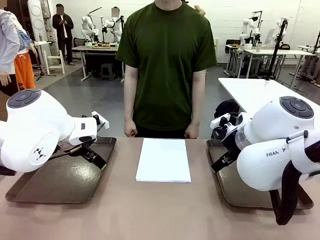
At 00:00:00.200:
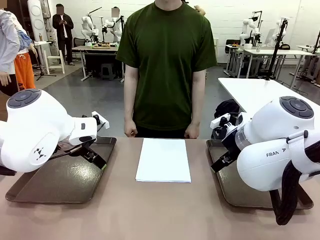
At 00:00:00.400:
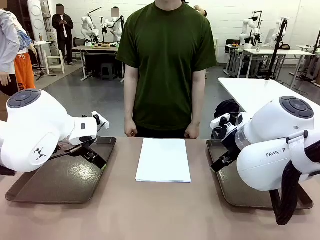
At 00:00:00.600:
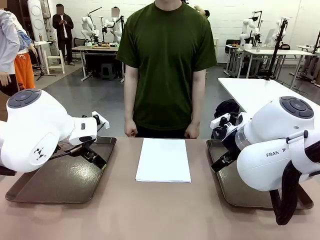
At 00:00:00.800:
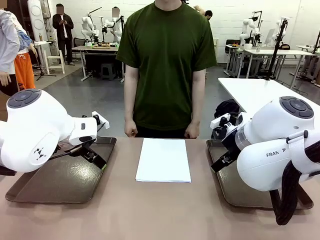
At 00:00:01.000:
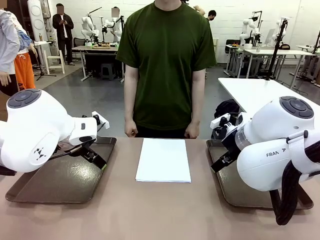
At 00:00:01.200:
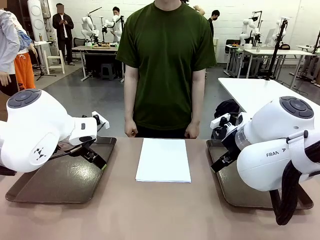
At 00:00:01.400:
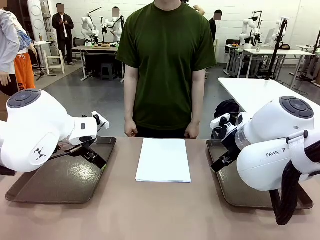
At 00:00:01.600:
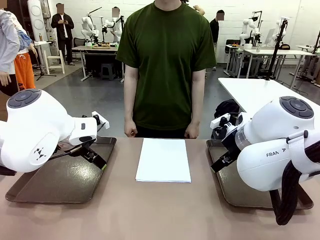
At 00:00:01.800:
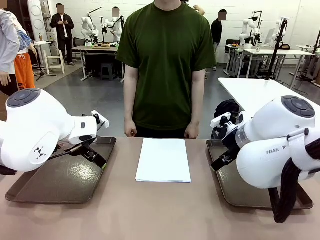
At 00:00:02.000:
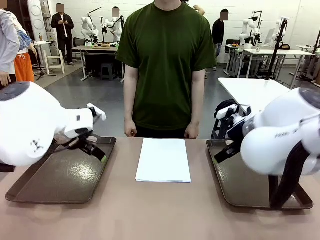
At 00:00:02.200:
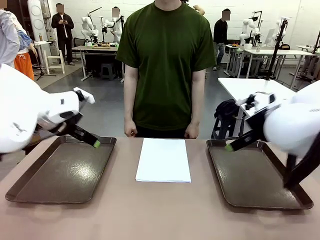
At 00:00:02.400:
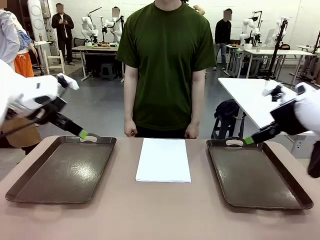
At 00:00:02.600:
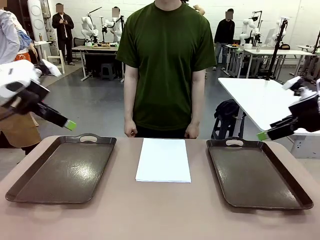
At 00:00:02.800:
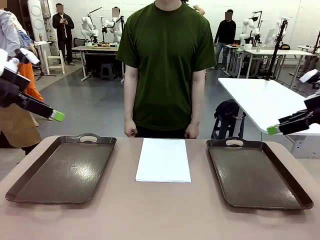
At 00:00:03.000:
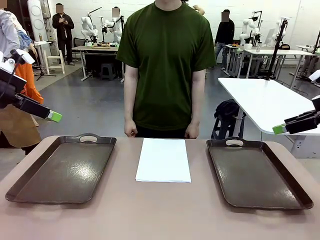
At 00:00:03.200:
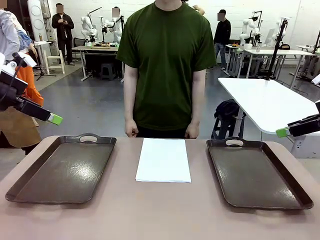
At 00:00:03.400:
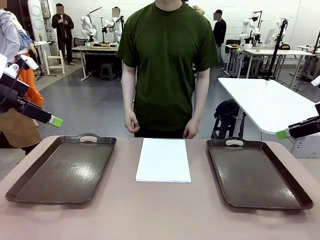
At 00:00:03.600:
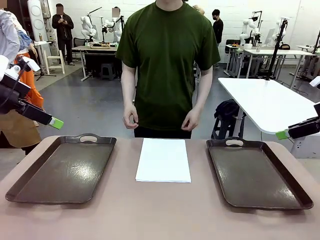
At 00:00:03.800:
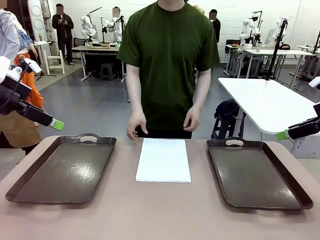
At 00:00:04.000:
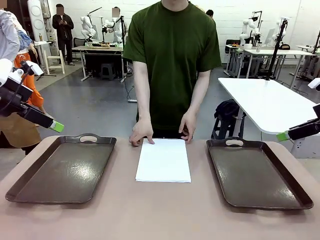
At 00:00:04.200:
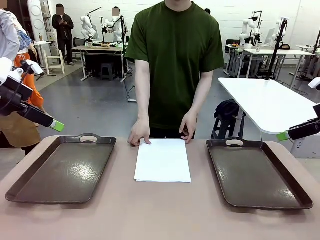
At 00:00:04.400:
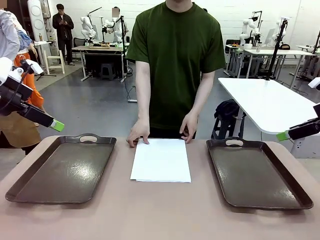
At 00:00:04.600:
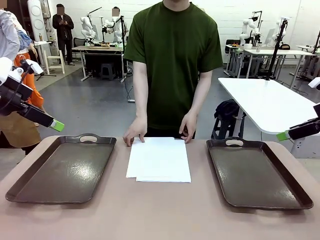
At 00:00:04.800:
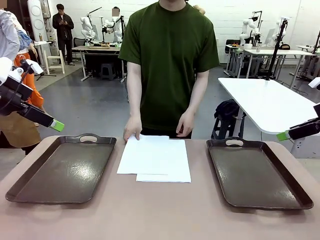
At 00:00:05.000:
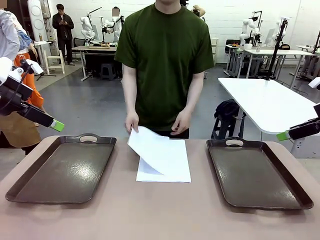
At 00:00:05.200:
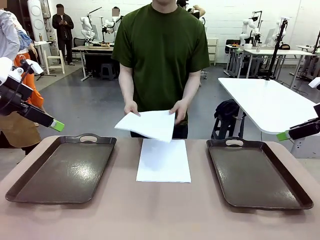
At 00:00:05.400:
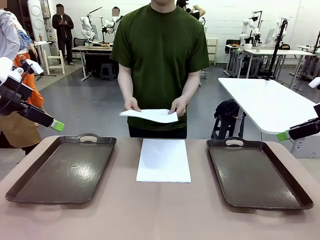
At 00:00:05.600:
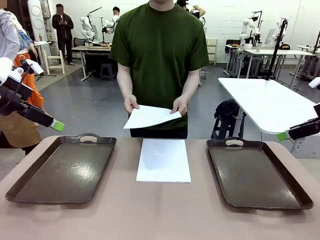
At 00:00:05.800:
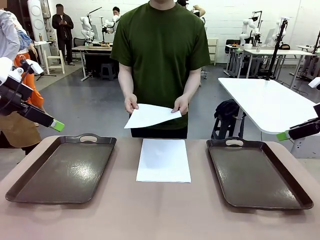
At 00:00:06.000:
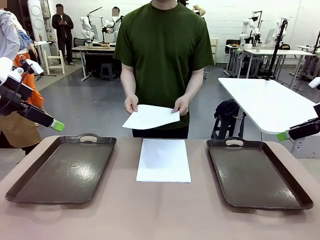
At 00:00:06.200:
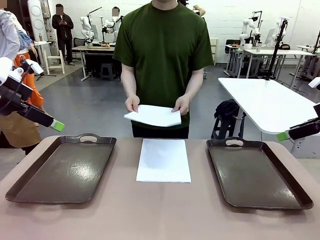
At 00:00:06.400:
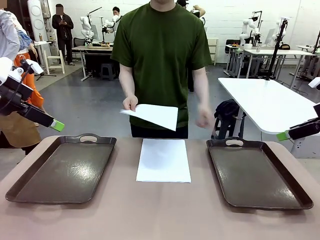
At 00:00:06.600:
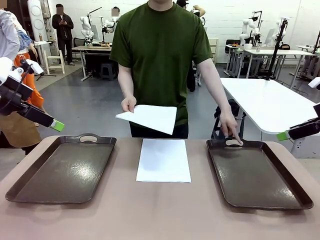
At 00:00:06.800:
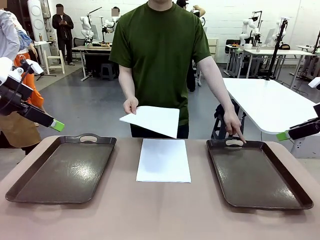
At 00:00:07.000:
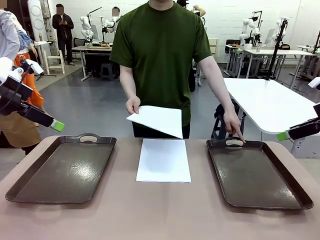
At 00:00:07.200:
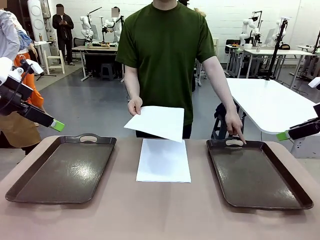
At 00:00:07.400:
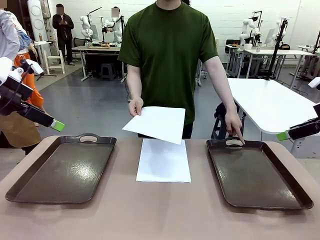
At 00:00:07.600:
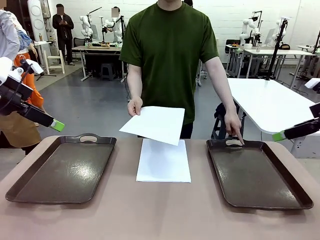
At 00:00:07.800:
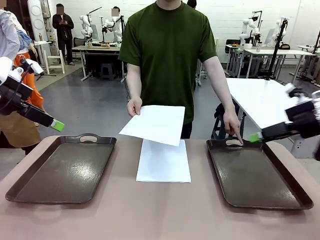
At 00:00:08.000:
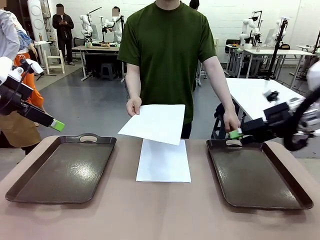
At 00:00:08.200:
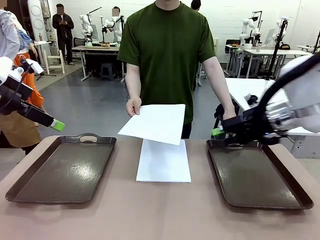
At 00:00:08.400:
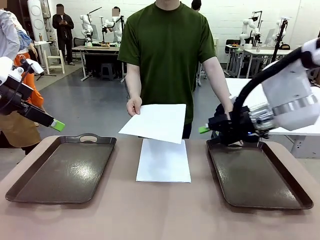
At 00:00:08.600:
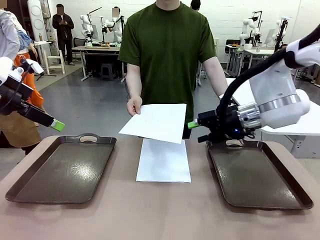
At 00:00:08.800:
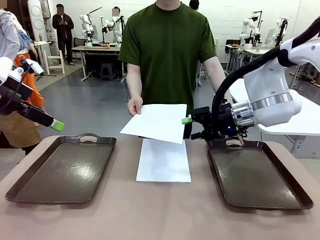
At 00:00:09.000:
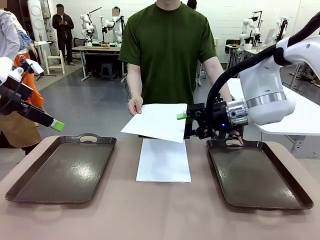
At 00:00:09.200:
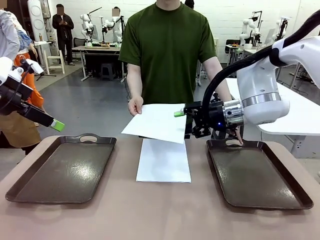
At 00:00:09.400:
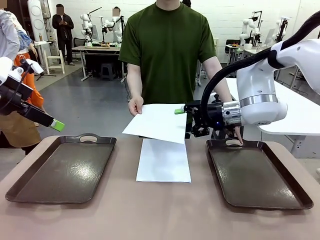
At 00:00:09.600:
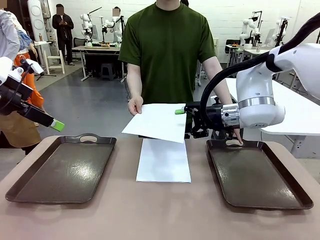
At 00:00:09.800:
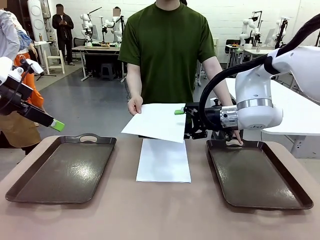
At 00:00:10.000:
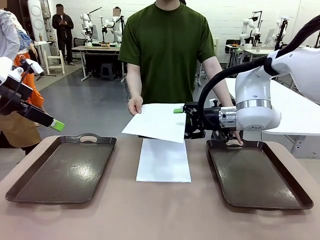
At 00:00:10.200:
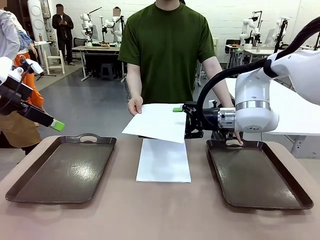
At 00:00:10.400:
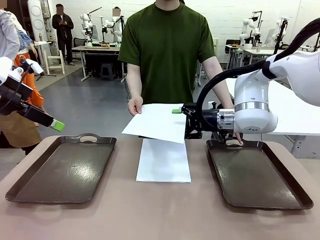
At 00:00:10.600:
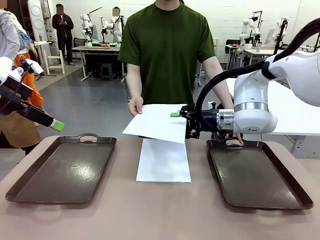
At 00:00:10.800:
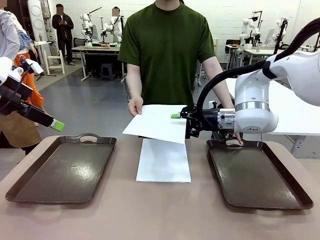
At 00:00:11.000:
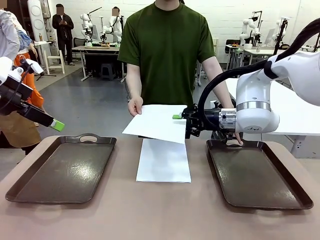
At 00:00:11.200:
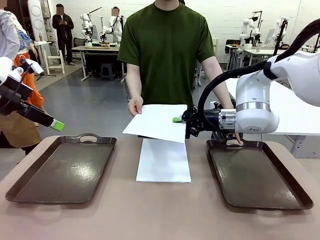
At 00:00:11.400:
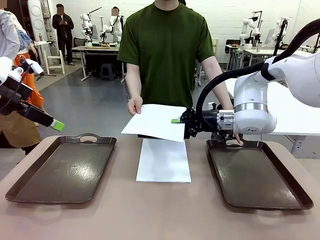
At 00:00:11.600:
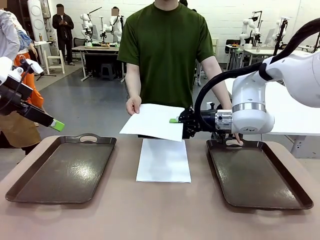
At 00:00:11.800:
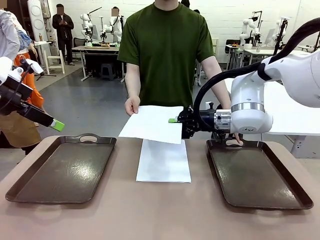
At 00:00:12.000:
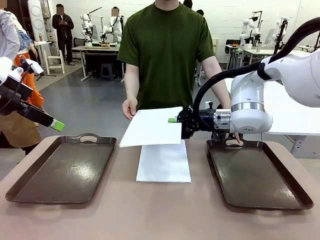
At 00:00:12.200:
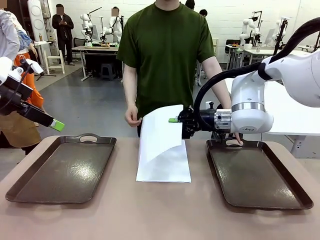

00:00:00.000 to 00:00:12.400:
Task: Sort the A4 documents.
Robot: Receive the A4 Paper.
Person: Pick up a sheet of paper from the center of the table and hand it to the robot. Point the randomly selected tray with the other hand.

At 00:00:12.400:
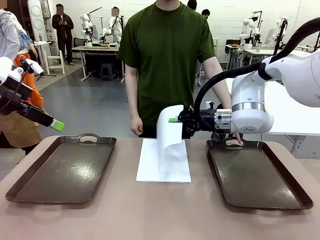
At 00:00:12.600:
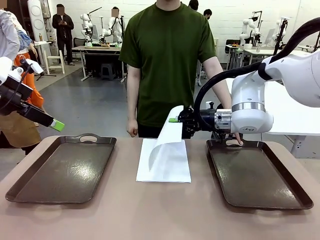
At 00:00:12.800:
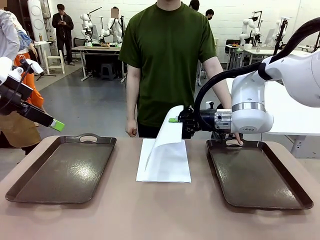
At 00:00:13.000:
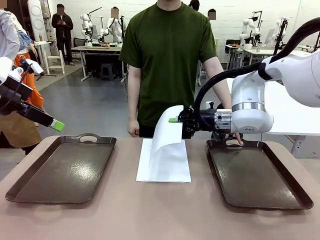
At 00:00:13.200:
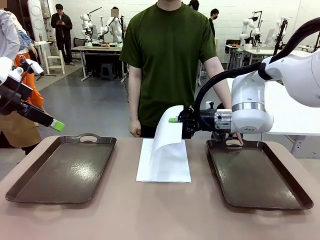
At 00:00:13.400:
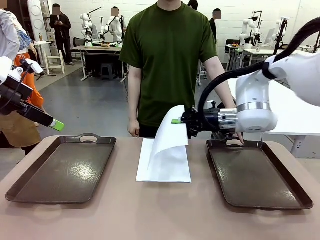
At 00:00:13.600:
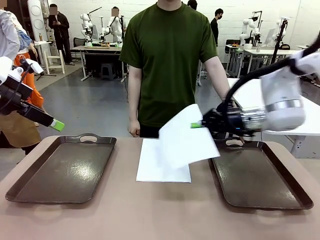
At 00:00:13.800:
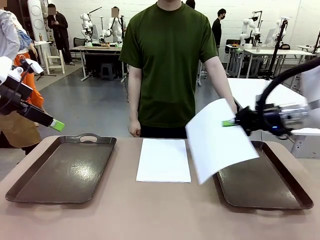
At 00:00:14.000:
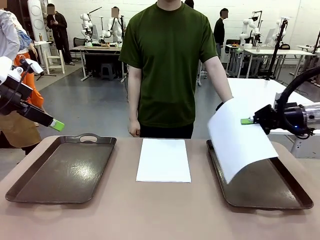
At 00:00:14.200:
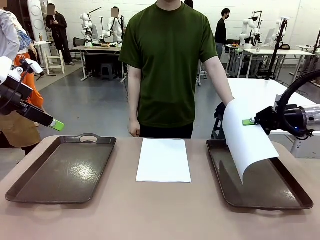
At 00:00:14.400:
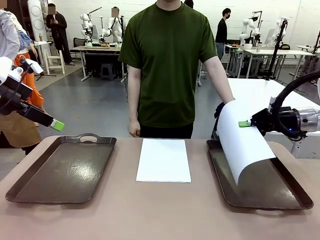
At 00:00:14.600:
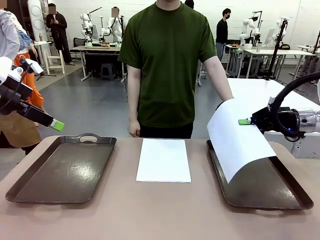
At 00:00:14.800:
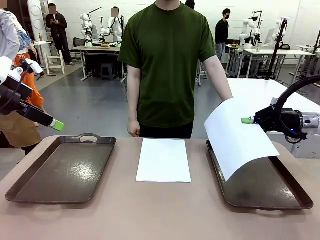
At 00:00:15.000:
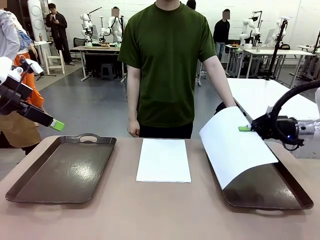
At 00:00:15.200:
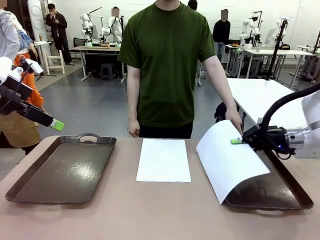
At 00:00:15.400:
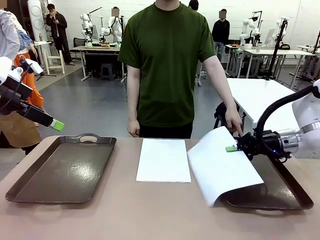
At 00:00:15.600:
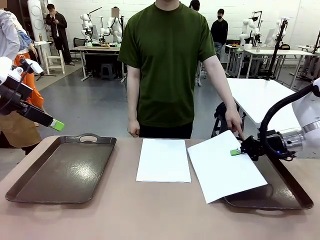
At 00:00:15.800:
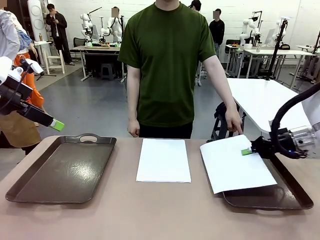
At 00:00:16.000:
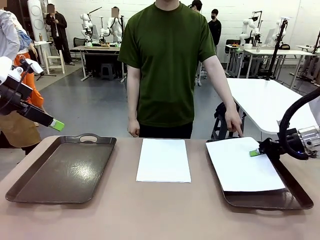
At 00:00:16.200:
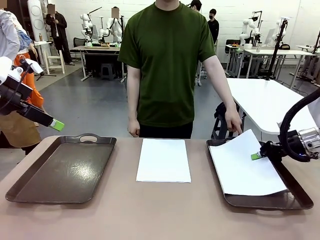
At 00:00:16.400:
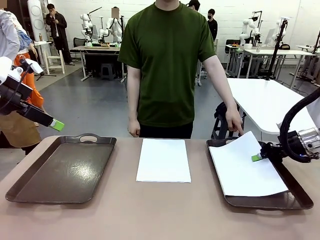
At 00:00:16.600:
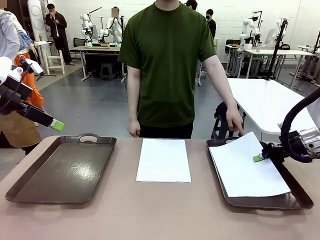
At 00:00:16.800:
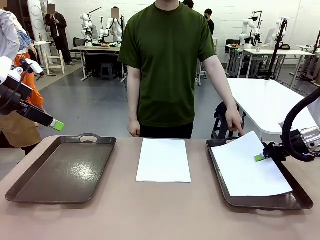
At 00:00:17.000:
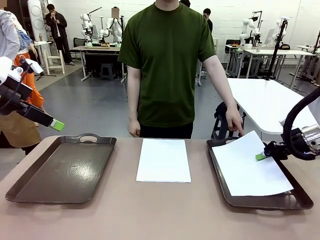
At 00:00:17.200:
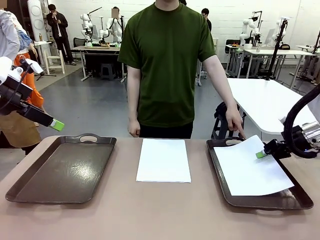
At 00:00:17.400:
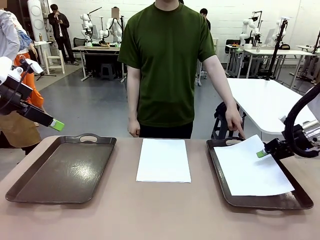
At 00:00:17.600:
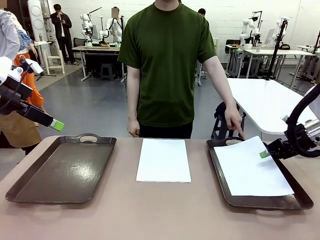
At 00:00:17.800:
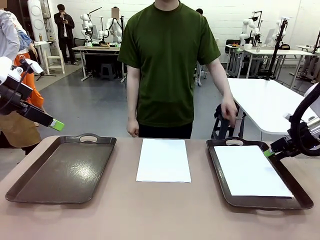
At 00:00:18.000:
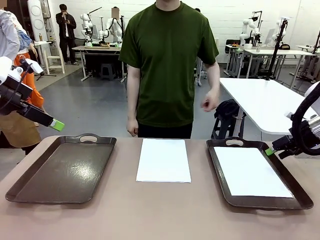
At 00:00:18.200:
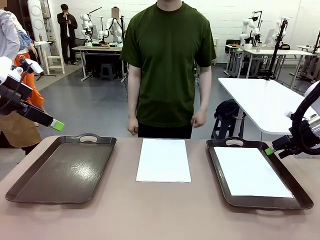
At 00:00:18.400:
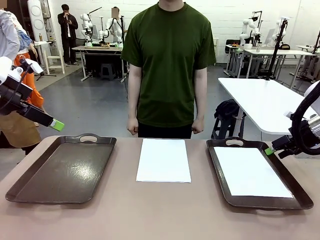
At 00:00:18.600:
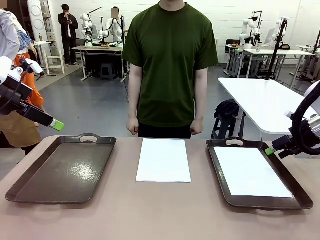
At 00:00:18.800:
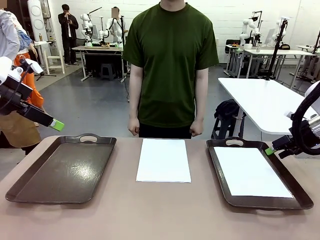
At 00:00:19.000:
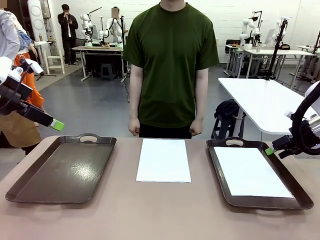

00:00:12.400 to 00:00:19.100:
Robot: Place the A4 Paper in the designated Handle tray.
